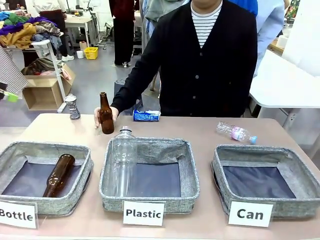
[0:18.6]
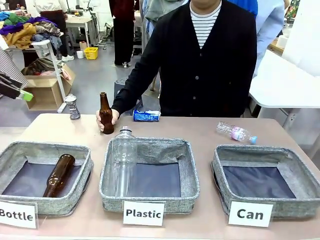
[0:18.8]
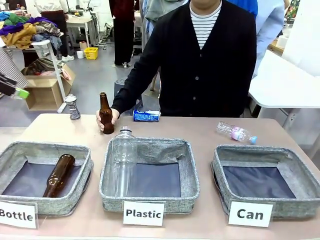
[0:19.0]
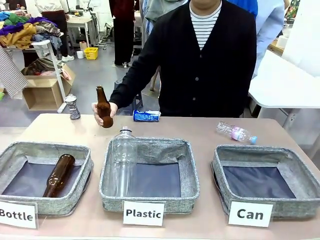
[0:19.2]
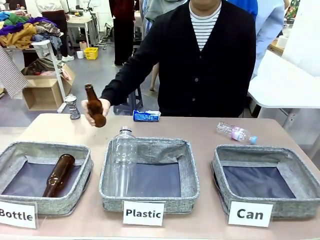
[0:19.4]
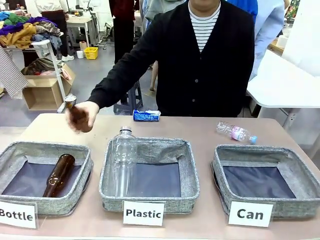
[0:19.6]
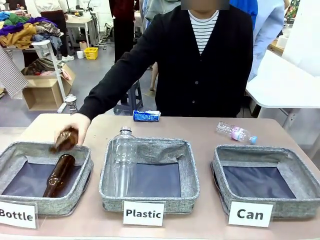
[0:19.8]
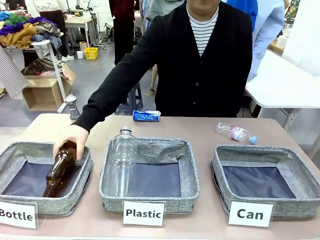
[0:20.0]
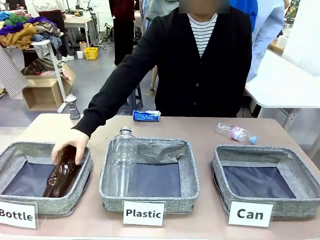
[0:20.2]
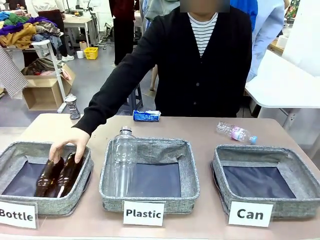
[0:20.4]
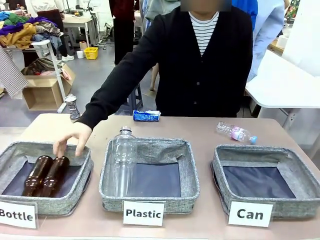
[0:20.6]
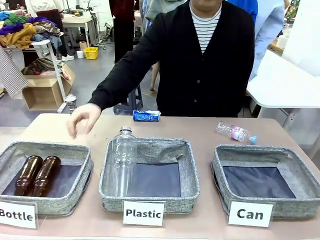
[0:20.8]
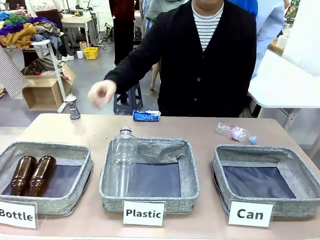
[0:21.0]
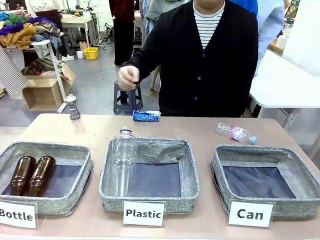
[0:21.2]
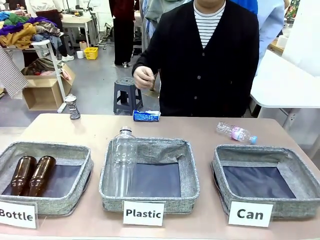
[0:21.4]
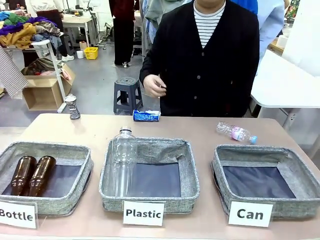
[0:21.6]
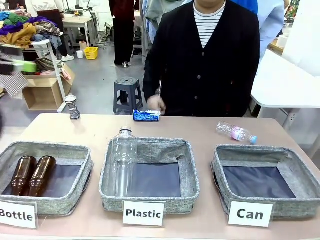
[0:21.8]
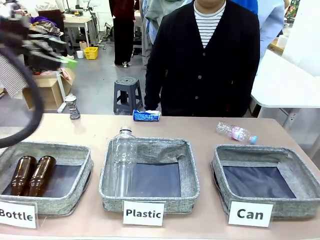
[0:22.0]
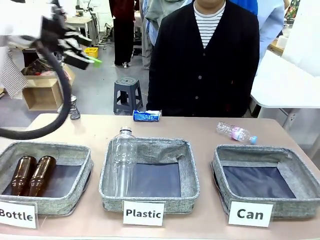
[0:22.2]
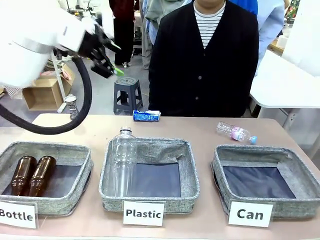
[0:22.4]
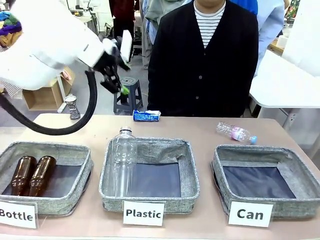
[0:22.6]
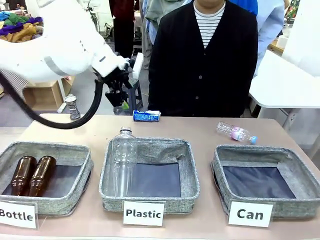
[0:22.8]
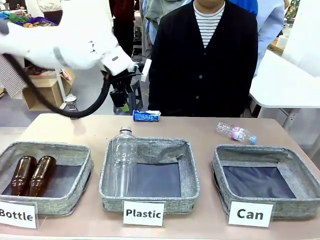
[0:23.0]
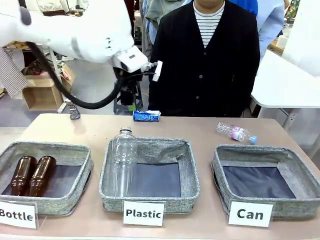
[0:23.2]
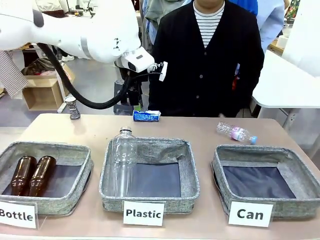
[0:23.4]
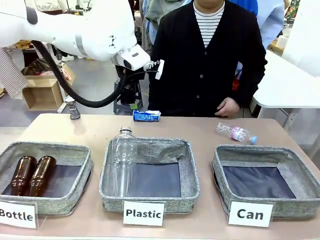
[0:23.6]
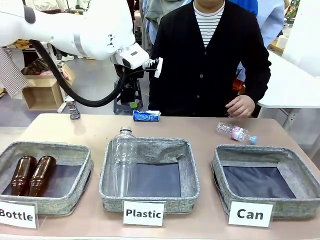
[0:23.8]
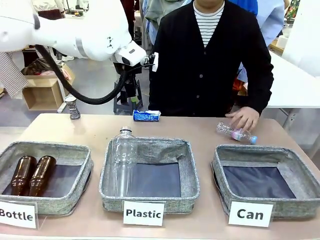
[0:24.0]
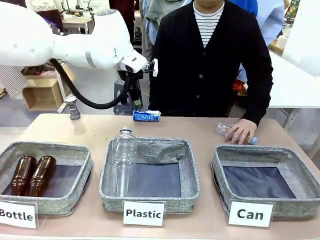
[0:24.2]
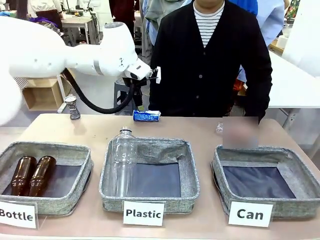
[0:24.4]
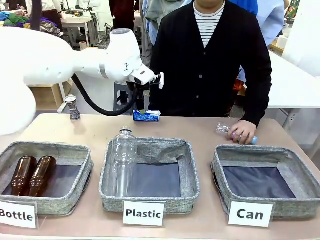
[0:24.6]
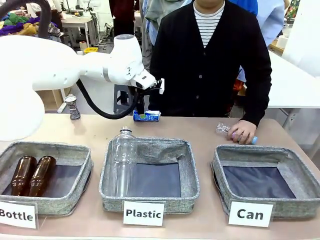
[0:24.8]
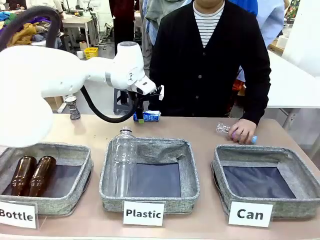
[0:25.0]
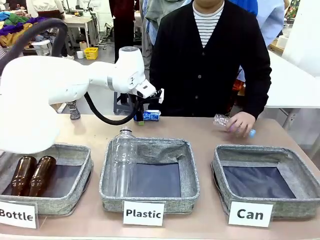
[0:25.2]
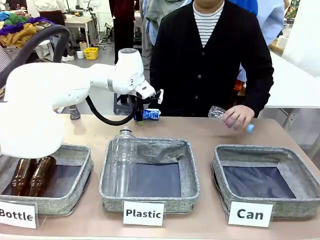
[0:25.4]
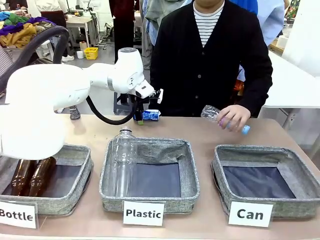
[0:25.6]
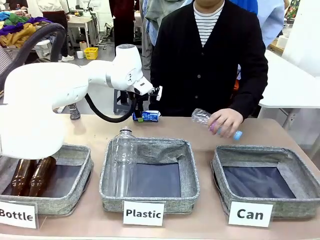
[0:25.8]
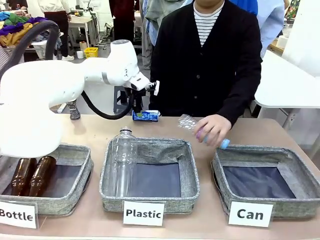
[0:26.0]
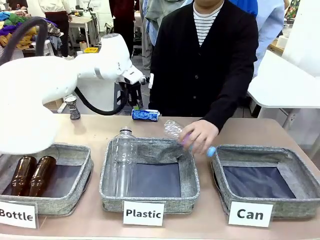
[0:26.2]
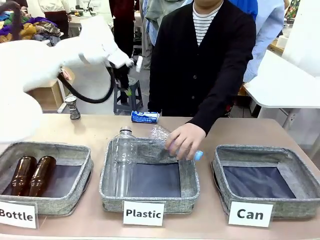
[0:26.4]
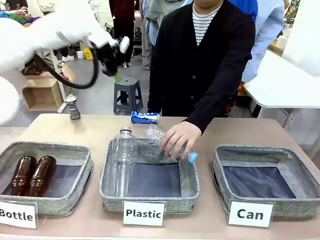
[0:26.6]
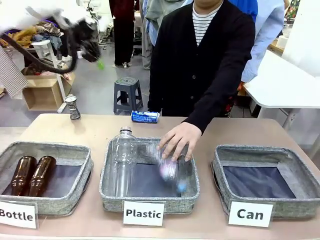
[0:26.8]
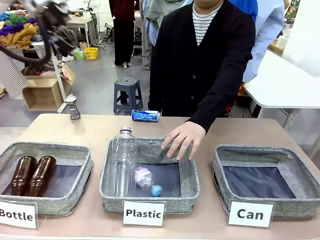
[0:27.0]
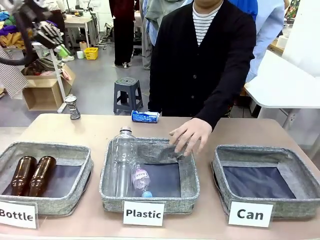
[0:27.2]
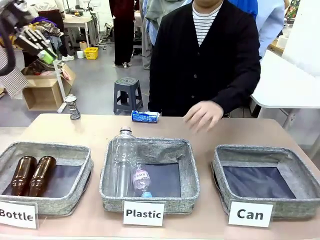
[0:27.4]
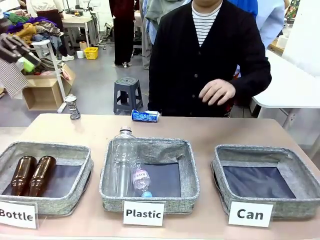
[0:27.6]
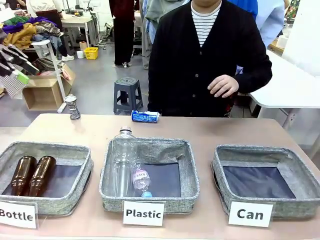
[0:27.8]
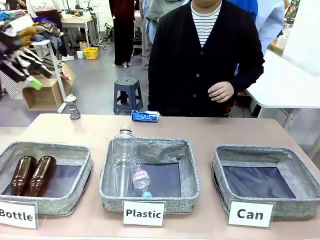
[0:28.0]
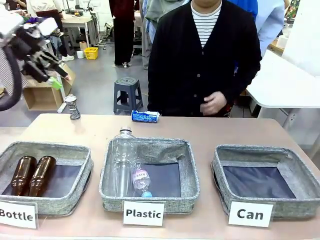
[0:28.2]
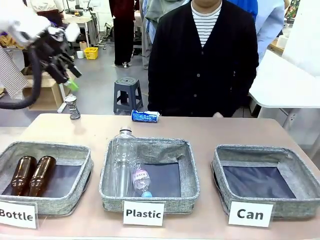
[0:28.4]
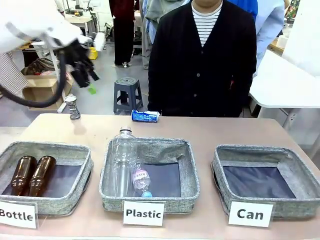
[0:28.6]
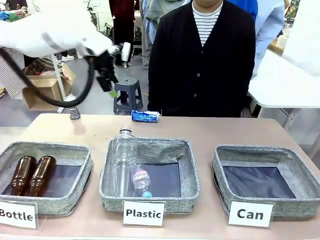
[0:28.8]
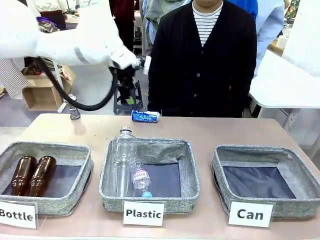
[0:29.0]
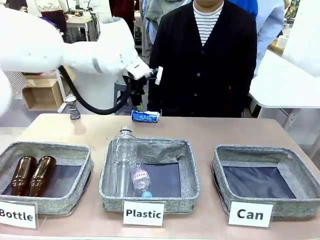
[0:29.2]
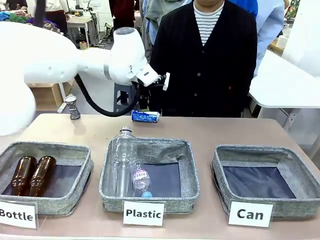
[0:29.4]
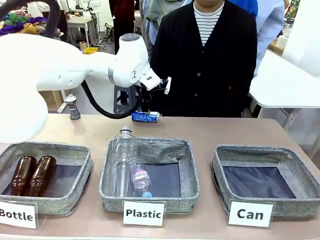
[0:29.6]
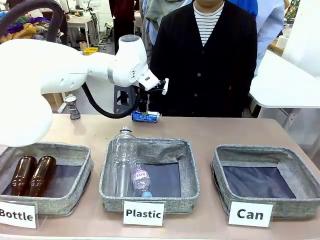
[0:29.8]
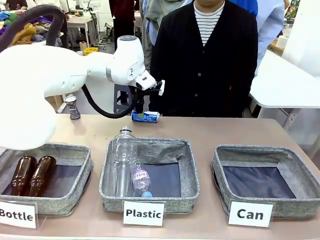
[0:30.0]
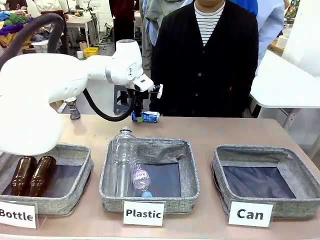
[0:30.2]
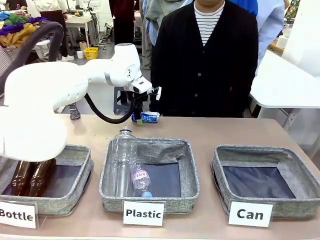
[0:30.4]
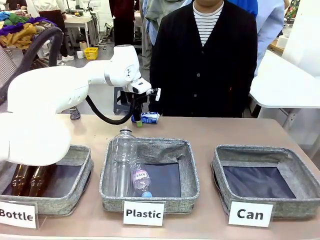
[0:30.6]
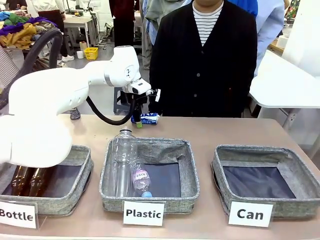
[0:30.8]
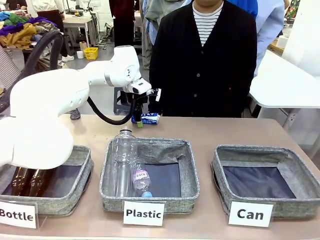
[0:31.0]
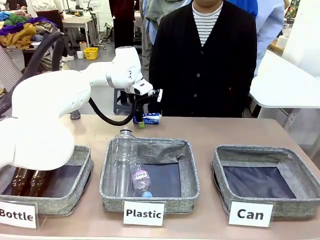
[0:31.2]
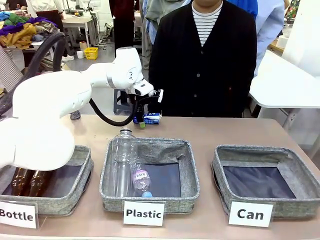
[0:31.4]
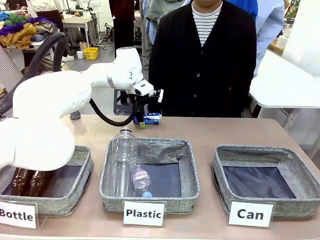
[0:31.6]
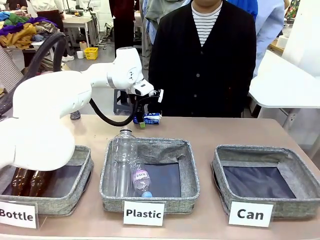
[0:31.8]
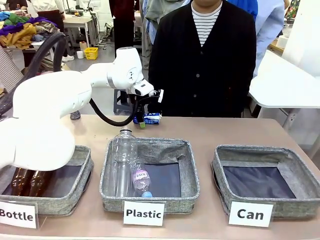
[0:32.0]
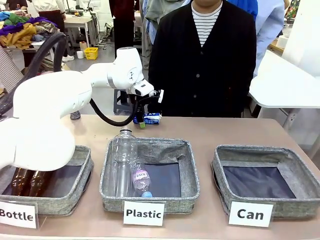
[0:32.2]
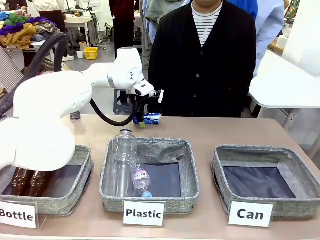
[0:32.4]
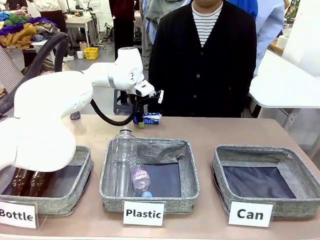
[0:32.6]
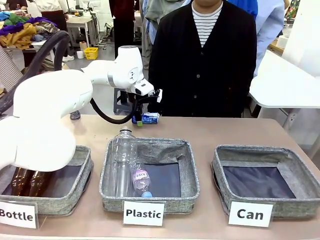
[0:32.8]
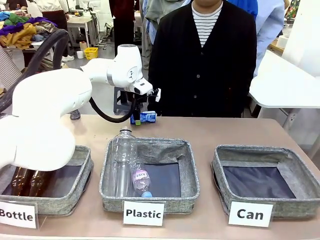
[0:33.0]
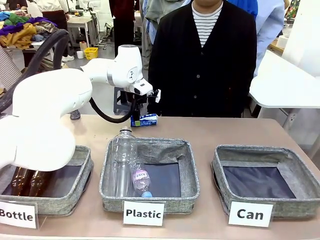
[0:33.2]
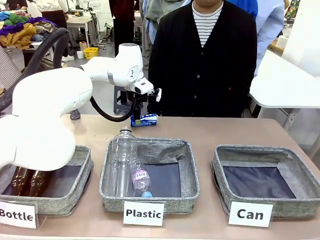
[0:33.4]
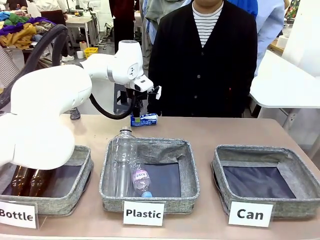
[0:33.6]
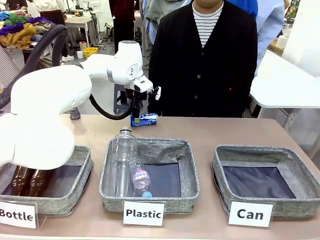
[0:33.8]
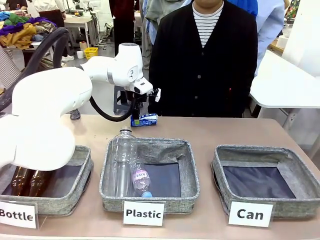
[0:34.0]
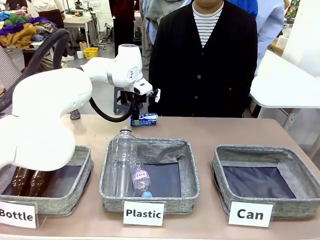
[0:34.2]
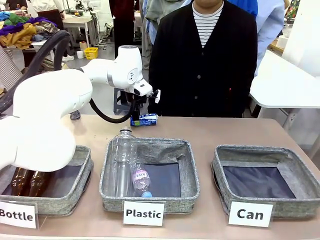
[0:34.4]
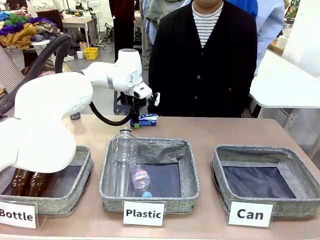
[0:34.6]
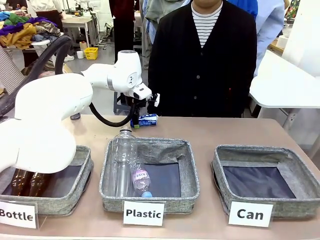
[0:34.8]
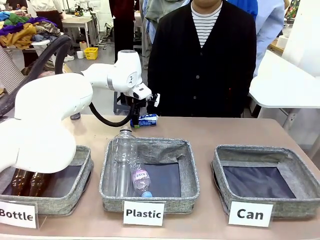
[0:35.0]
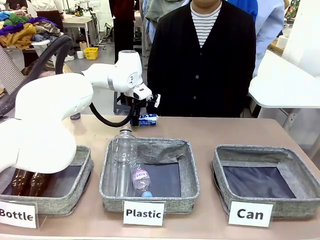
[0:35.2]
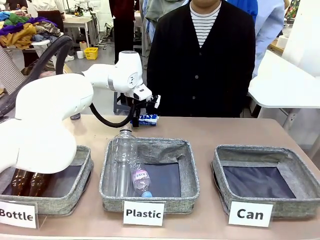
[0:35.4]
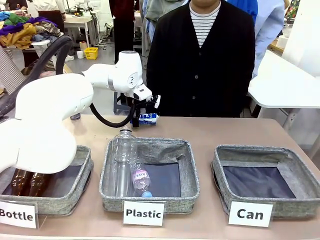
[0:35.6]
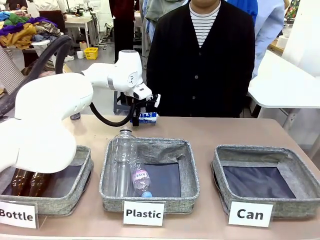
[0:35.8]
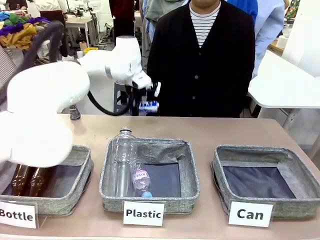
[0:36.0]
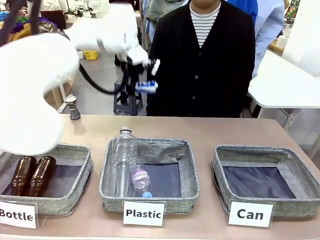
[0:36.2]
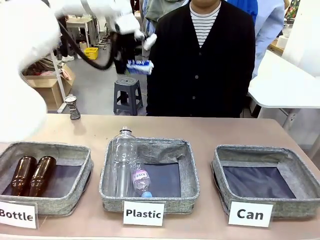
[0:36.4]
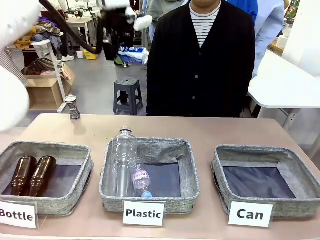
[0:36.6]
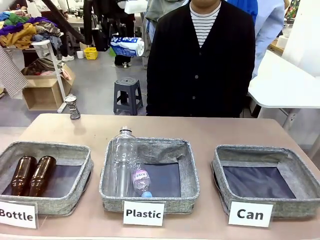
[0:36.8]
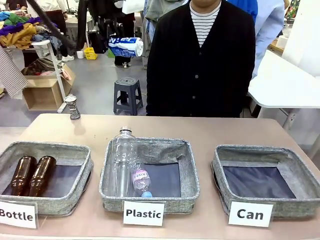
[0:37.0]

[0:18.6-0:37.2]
Task: Sort the can waste into the basket.
Robot: Pick up the can waste from the table and place it in the right Fabric basket.
